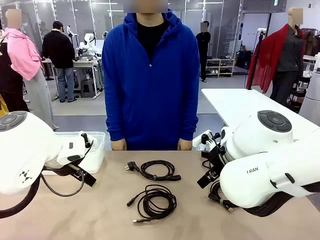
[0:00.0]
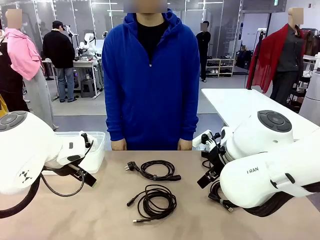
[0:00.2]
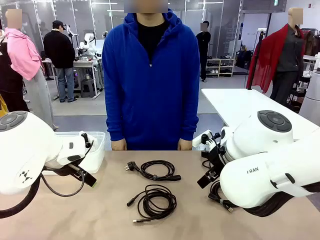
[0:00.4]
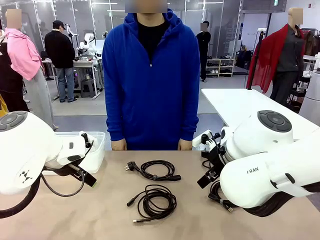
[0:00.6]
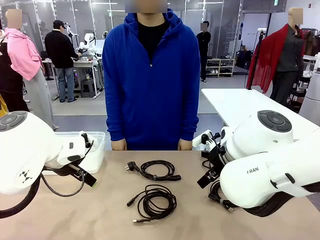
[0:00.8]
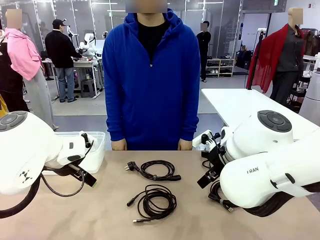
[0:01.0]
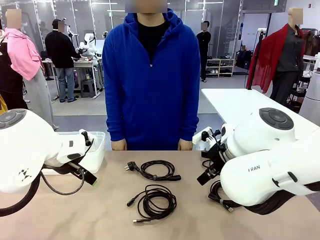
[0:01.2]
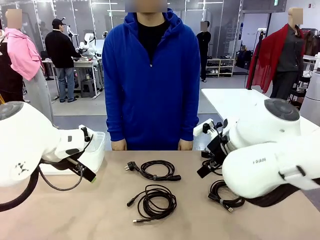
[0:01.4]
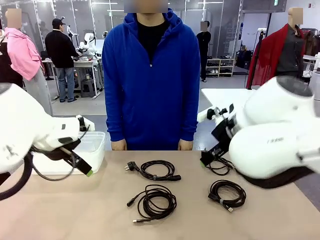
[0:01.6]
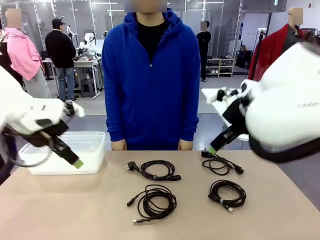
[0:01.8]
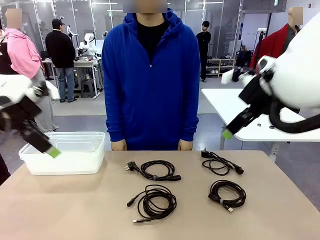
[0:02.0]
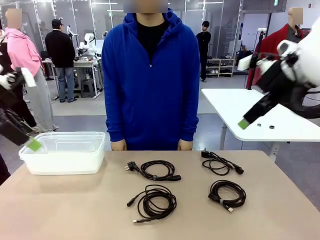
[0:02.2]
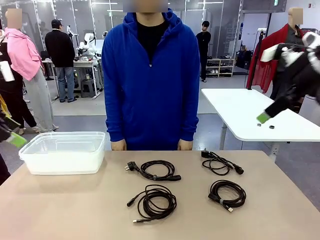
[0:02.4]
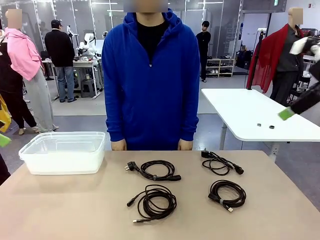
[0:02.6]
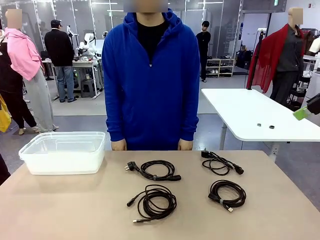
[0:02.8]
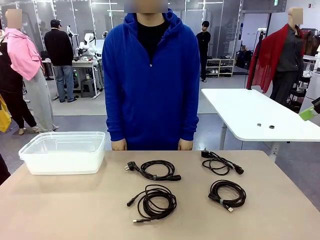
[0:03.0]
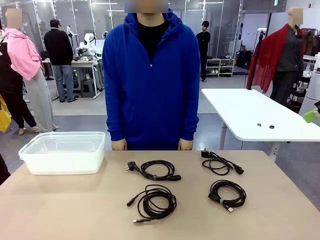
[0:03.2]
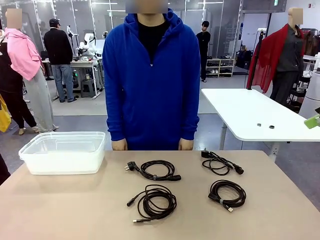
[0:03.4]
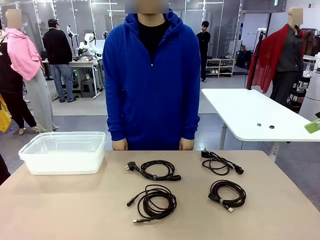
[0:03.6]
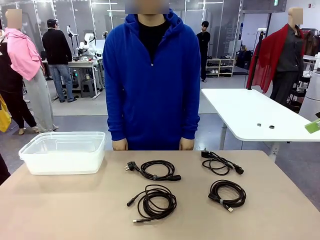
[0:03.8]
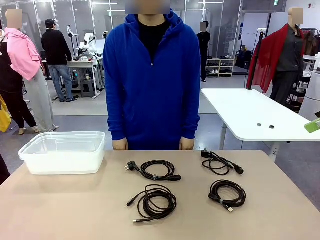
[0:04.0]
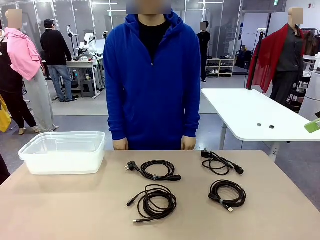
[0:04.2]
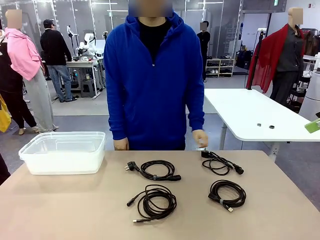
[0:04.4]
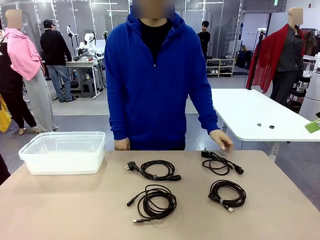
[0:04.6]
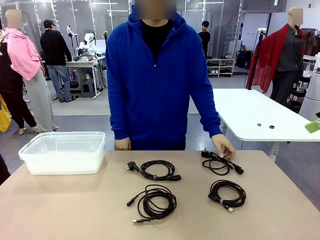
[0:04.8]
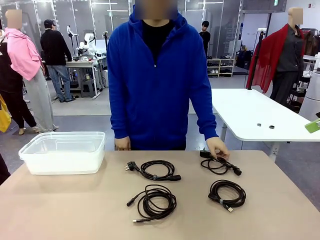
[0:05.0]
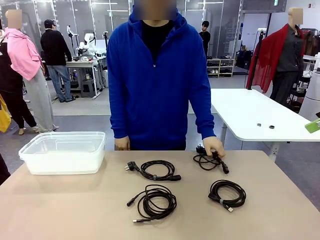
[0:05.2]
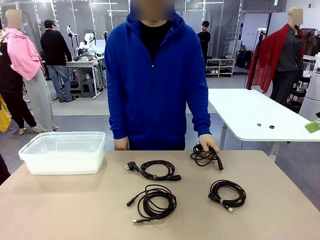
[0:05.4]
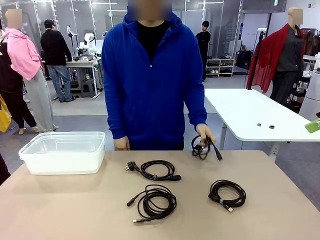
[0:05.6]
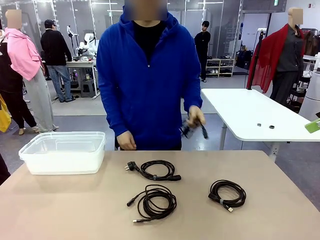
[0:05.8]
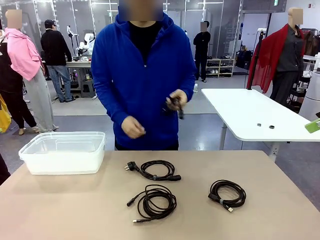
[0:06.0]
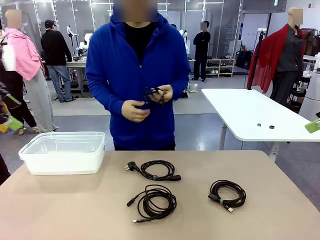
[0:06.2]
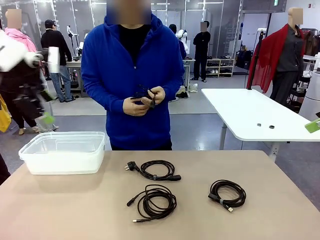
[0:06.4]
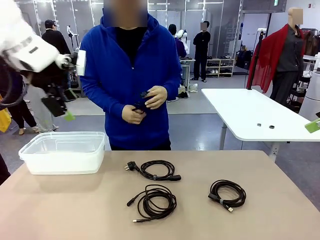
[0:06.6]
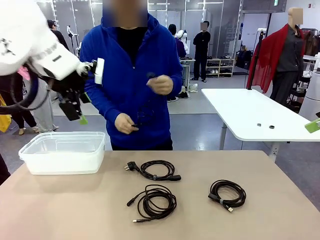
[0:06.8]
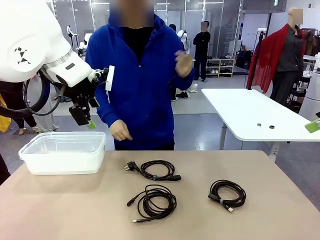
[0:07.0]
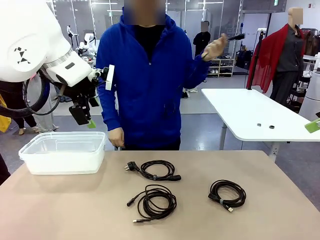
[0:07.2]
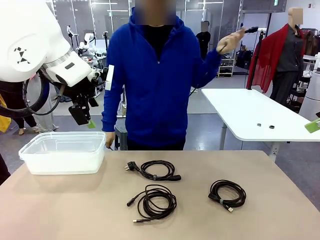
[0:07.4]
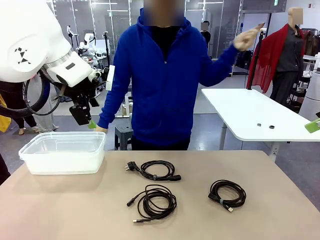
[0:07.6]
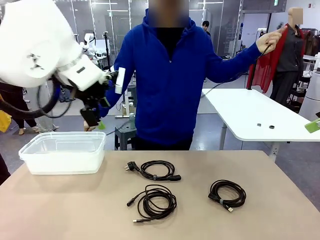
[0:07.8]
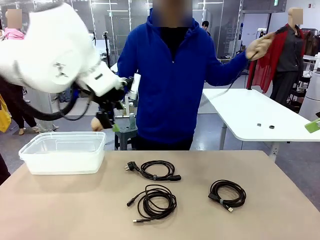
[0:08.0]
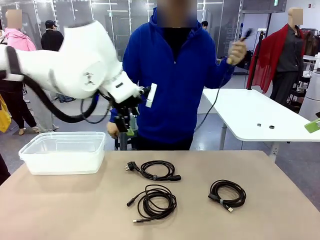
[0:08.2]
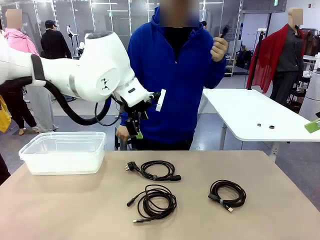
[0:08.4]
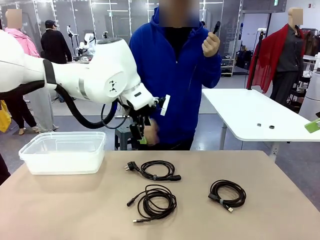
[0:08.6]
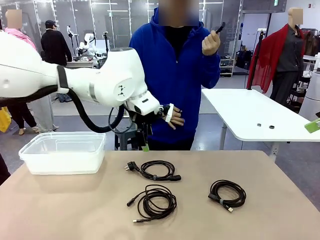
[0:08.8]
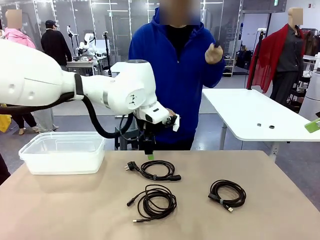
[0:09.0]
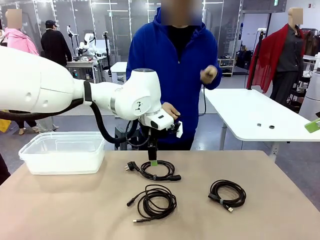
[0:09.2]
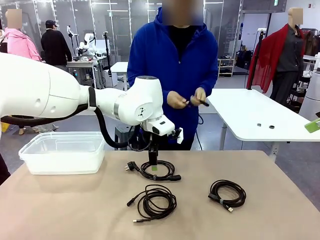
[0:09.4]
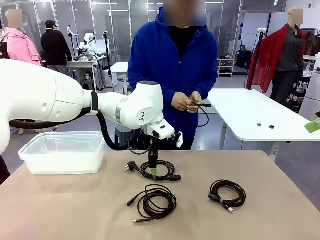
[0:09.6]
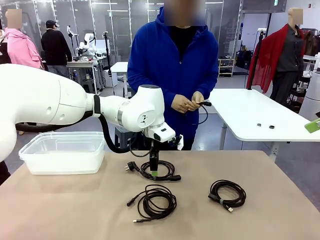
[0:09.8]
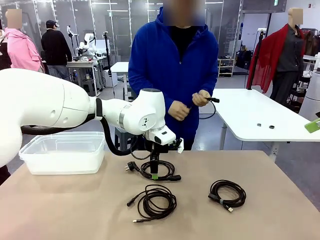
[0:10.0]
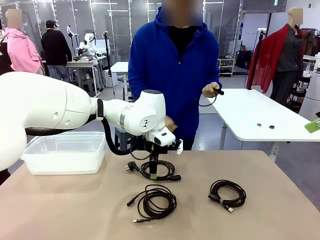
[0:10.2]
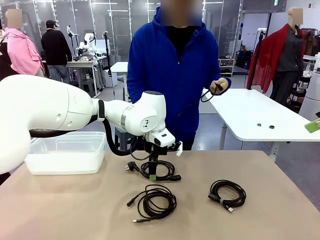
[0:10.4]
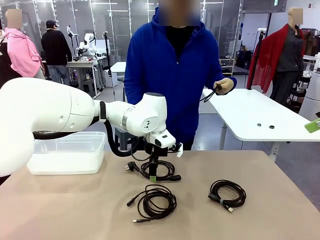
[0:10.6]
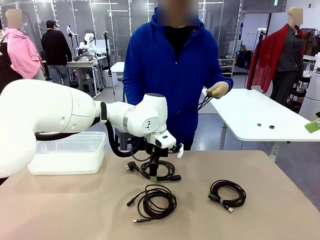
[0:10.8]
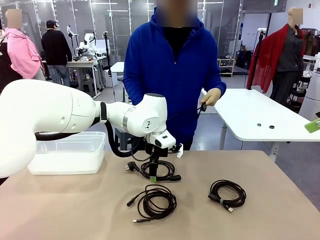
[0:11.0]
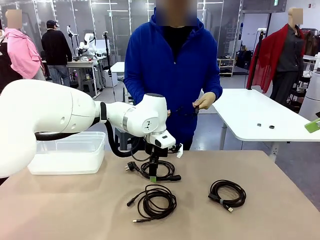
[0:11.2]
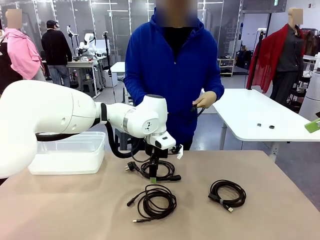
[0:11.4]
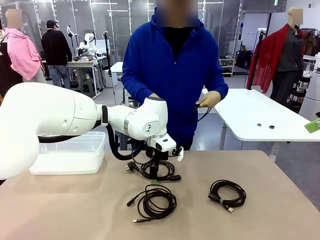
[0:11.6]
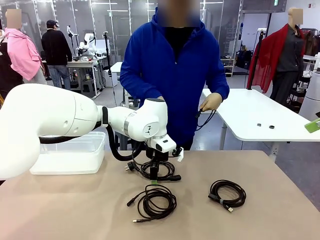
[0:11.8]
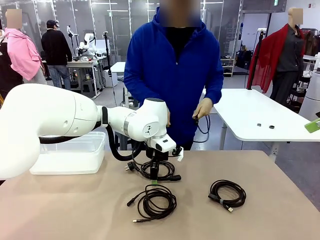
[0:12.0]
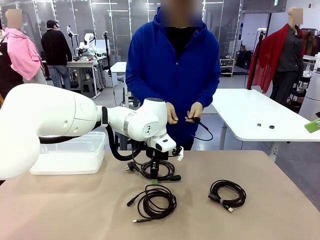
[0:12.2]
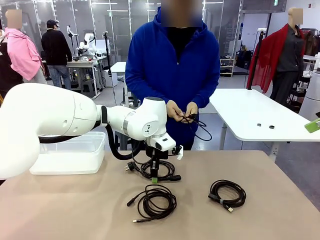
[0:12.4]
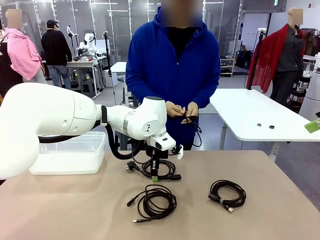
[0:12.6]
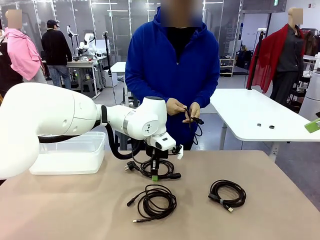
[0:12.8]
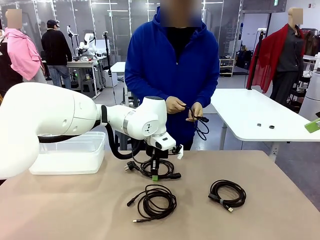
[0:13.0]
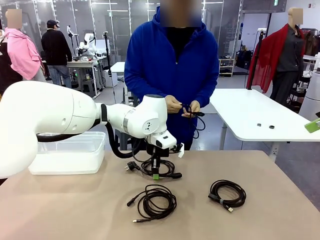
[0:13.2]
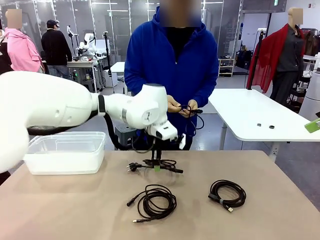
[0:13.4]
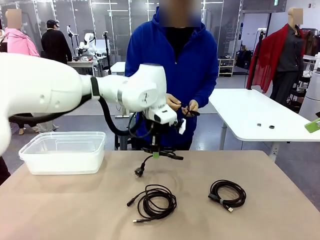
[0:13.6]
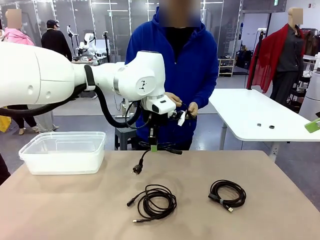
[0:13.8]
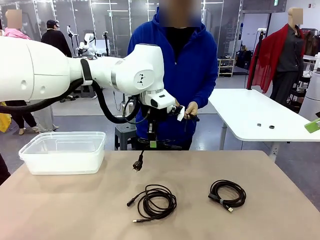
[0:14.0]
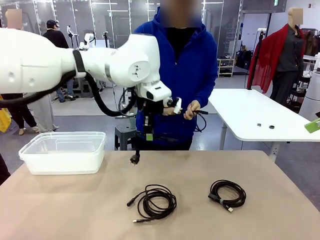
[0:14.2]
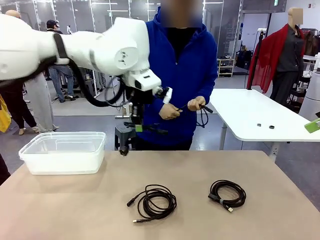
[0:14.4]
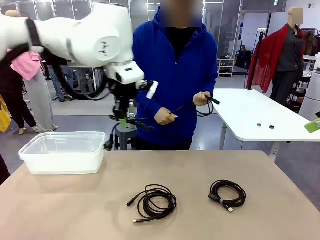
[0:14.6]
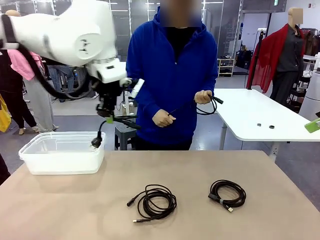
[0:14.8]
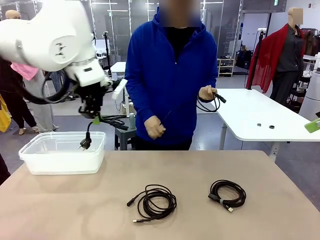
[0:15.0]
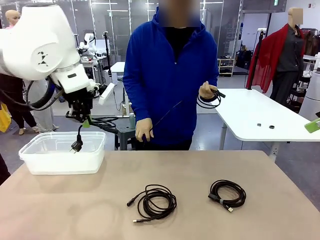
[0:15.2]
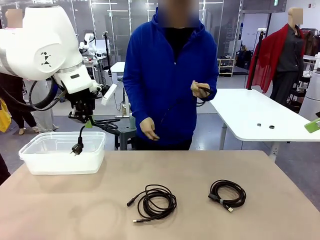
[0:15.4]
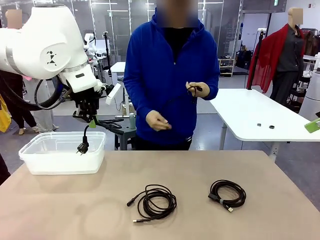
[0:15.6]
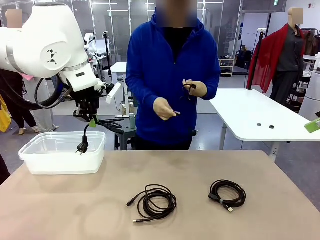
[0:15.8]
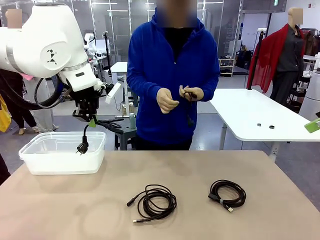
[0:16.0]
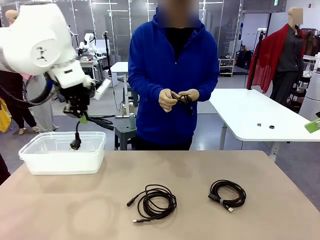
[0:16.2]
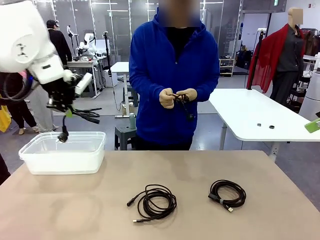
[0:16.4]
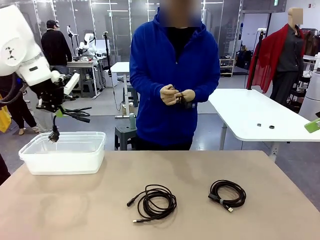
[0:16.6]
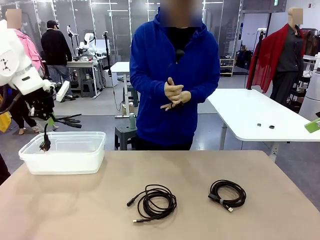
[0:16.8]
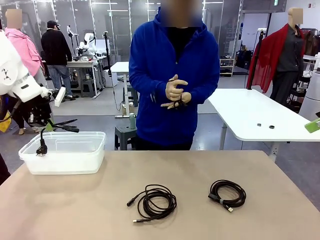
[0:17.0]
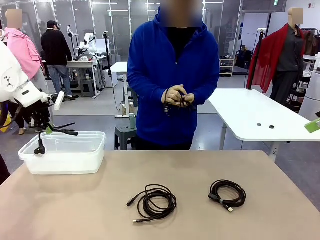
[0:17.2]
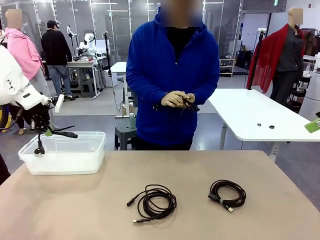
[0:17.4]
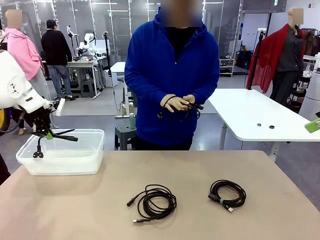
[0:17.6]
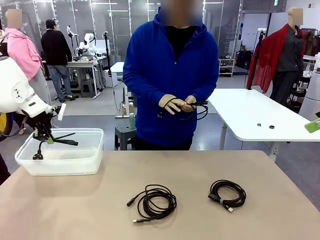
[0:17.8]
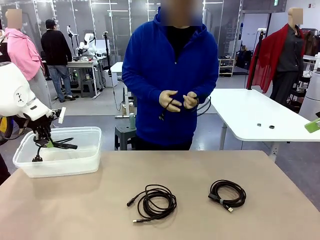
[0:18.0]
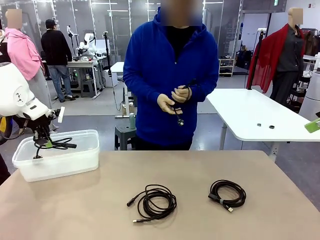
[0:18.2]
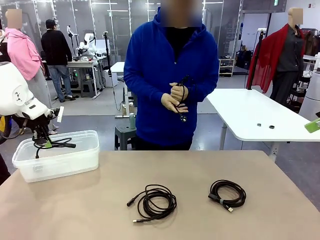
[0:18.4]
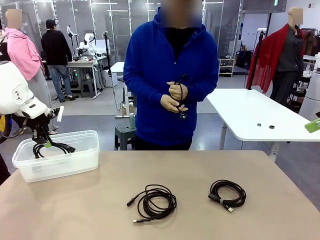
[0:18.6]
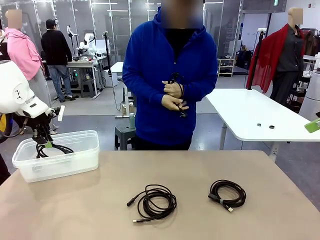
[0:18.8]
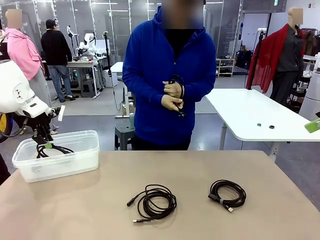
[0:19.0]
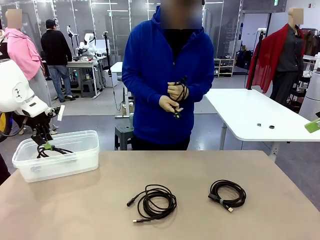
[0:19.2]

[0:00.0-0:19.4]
Task: Organize and store the cables.
Robot: Place the Power Cable into the Organizing box.
